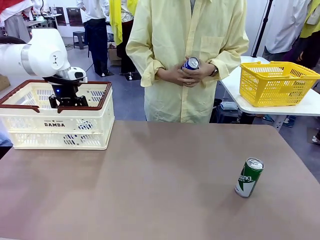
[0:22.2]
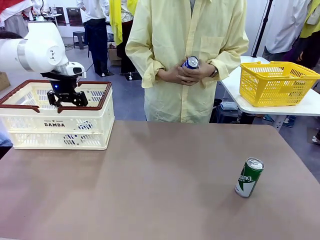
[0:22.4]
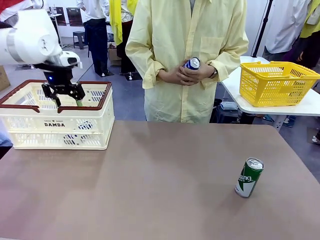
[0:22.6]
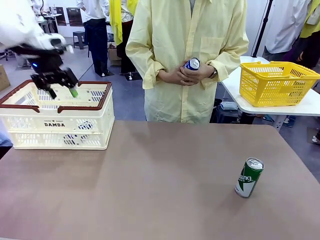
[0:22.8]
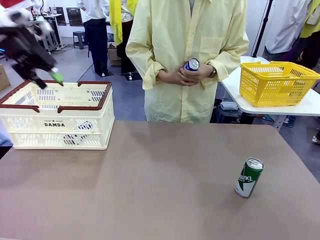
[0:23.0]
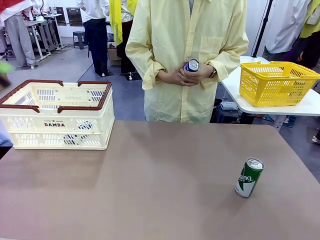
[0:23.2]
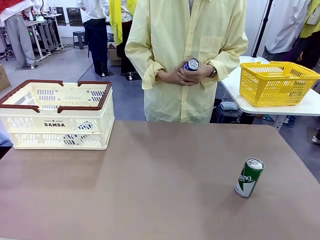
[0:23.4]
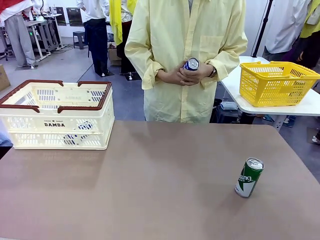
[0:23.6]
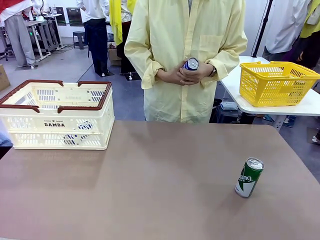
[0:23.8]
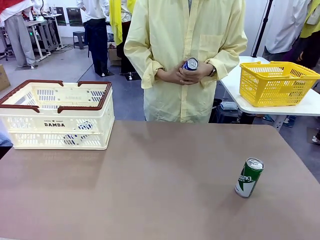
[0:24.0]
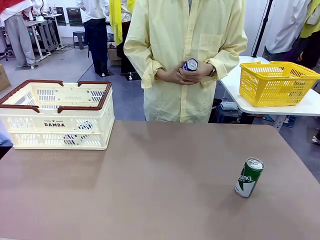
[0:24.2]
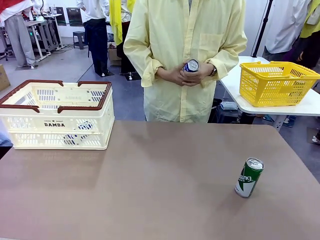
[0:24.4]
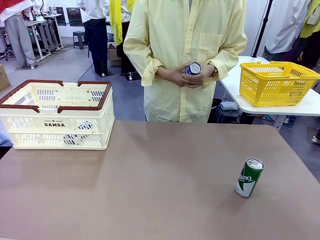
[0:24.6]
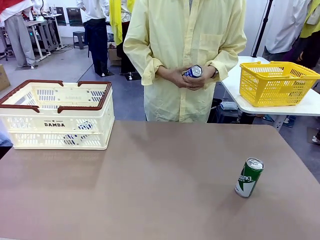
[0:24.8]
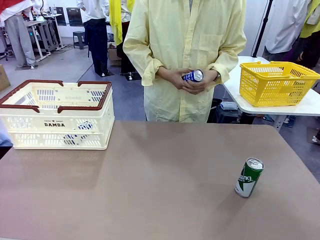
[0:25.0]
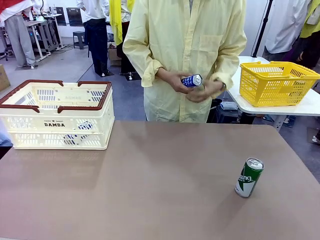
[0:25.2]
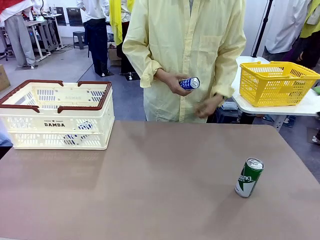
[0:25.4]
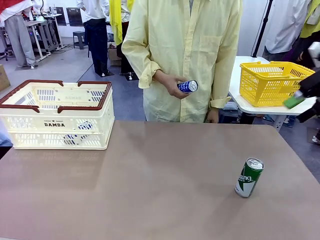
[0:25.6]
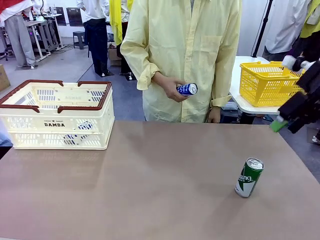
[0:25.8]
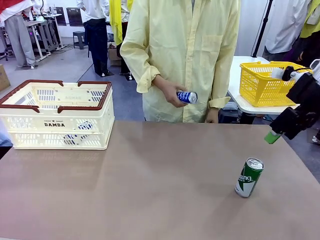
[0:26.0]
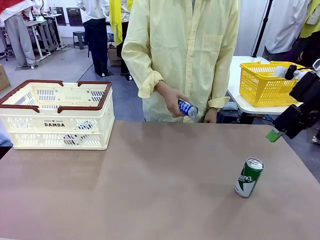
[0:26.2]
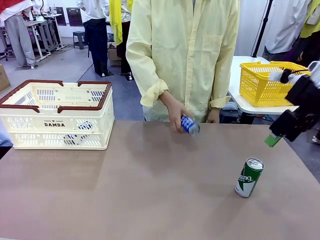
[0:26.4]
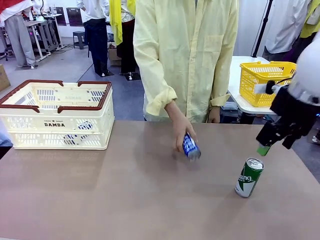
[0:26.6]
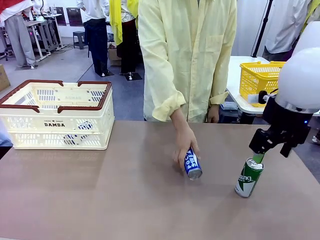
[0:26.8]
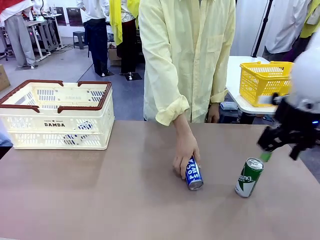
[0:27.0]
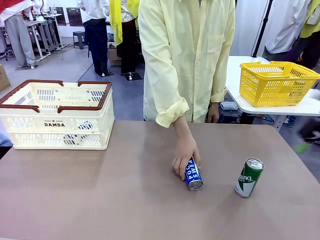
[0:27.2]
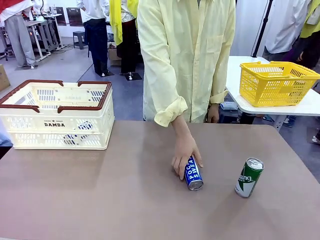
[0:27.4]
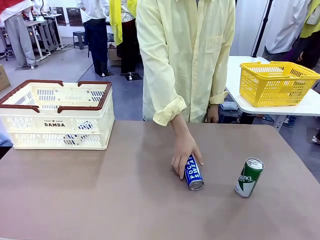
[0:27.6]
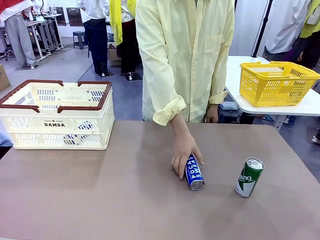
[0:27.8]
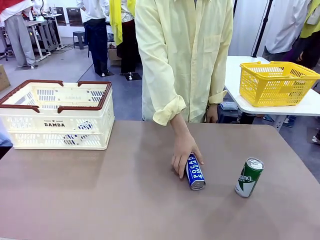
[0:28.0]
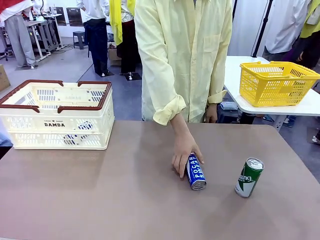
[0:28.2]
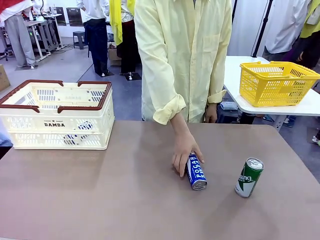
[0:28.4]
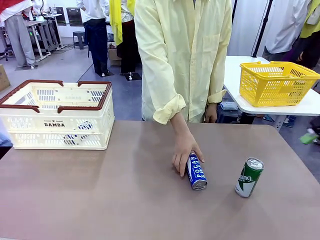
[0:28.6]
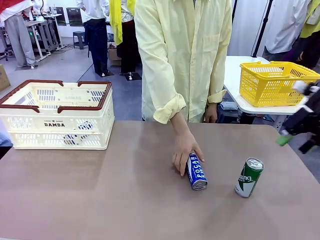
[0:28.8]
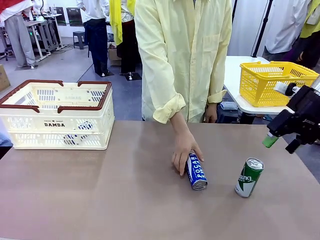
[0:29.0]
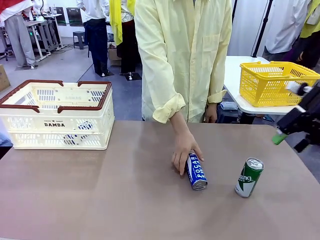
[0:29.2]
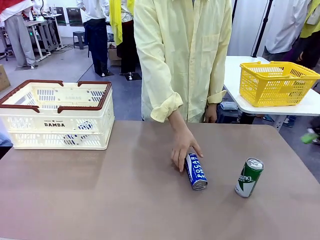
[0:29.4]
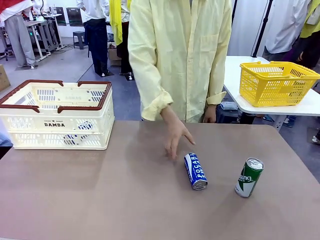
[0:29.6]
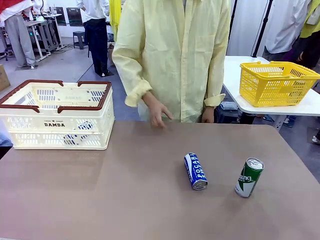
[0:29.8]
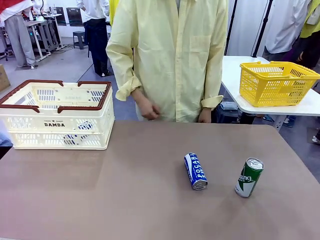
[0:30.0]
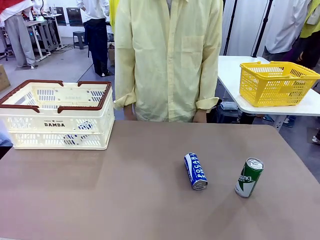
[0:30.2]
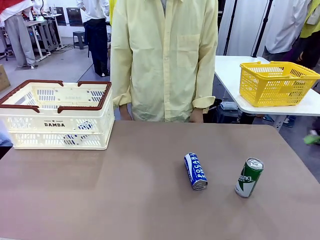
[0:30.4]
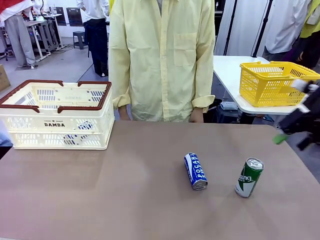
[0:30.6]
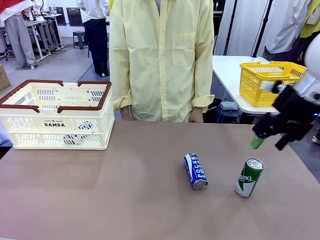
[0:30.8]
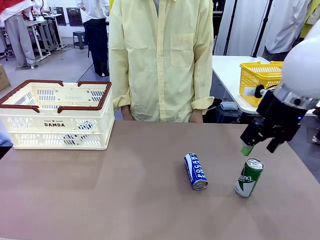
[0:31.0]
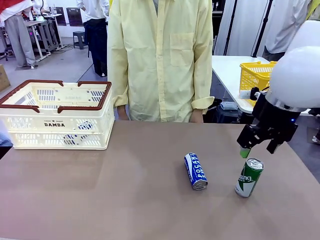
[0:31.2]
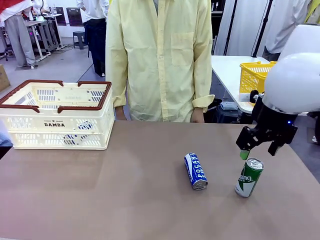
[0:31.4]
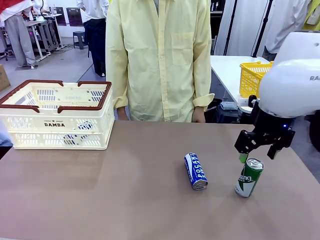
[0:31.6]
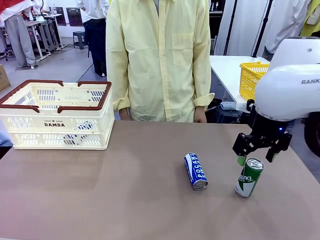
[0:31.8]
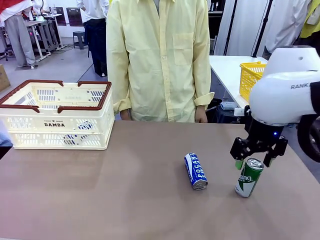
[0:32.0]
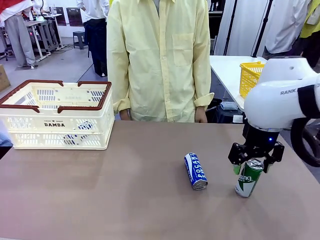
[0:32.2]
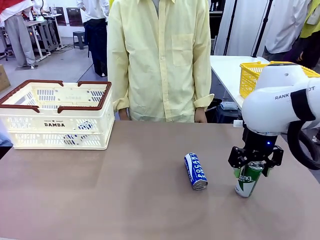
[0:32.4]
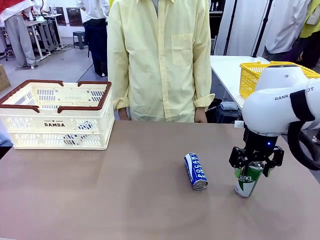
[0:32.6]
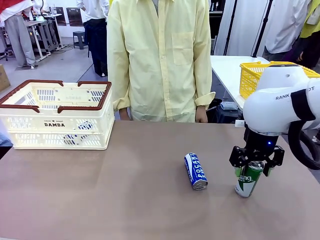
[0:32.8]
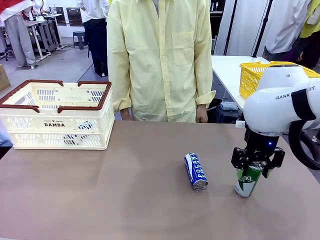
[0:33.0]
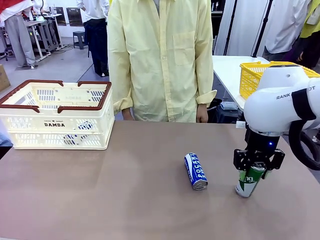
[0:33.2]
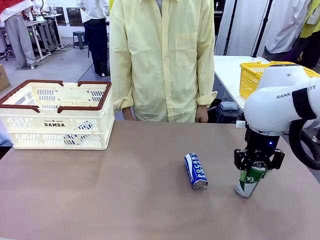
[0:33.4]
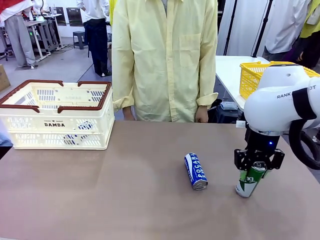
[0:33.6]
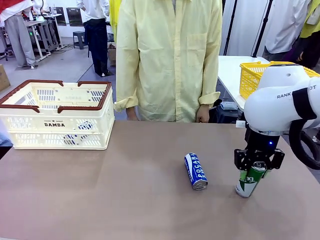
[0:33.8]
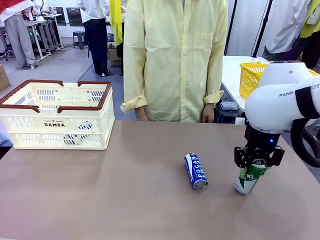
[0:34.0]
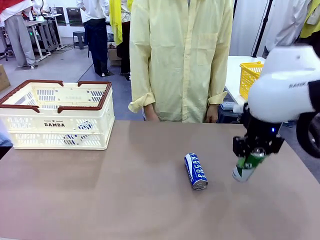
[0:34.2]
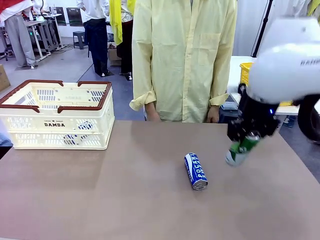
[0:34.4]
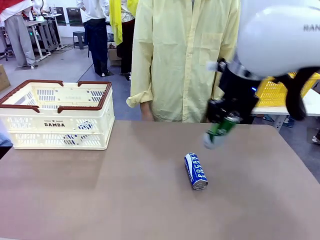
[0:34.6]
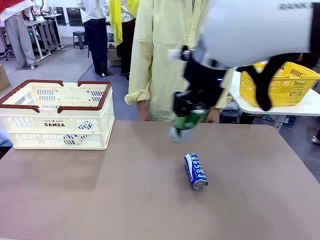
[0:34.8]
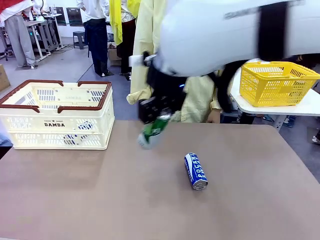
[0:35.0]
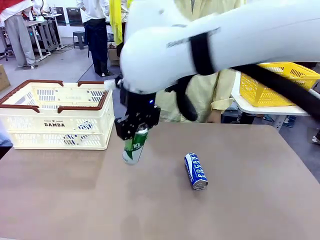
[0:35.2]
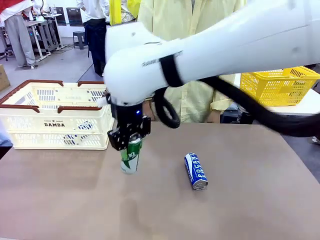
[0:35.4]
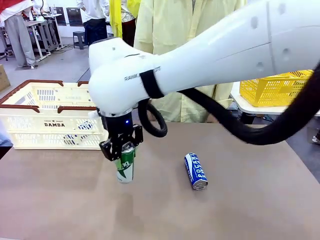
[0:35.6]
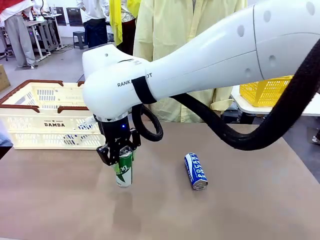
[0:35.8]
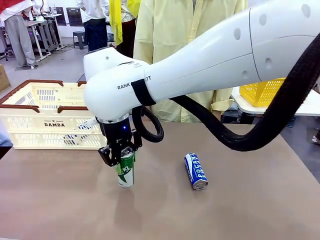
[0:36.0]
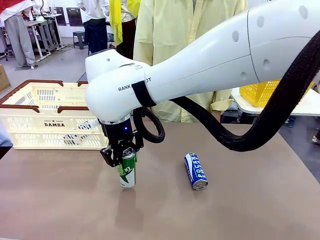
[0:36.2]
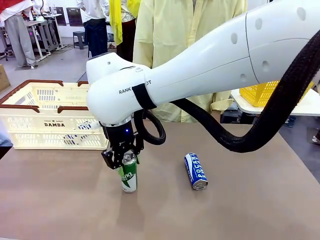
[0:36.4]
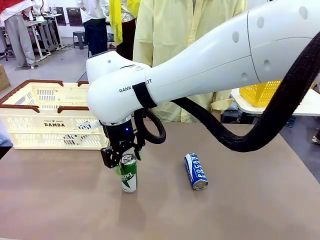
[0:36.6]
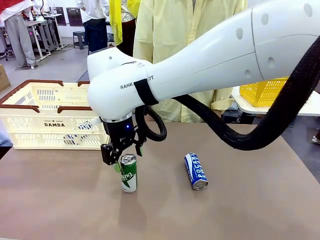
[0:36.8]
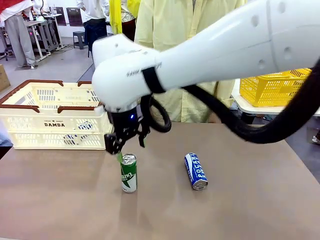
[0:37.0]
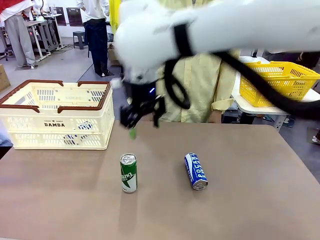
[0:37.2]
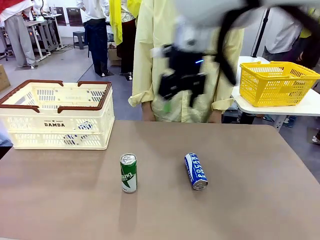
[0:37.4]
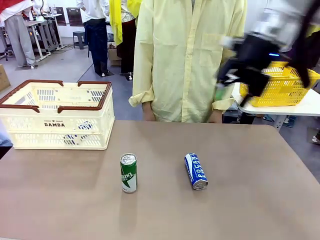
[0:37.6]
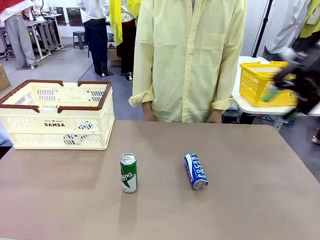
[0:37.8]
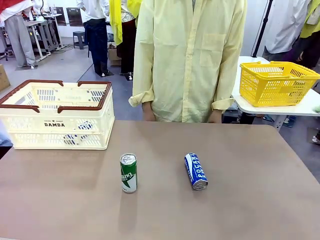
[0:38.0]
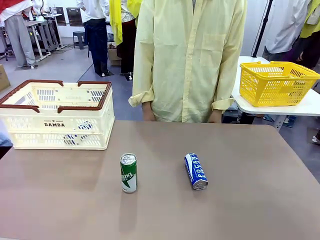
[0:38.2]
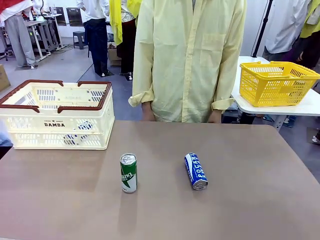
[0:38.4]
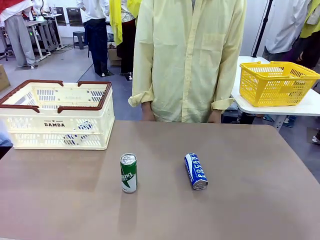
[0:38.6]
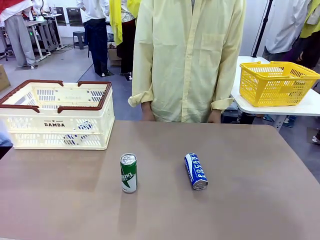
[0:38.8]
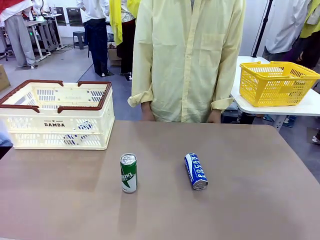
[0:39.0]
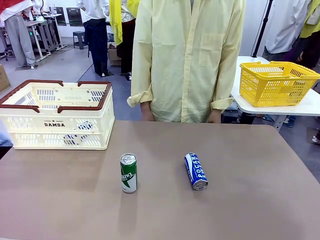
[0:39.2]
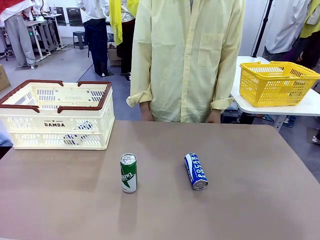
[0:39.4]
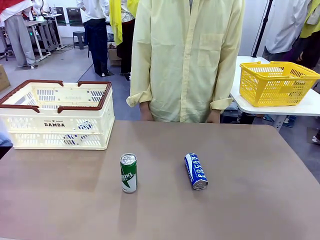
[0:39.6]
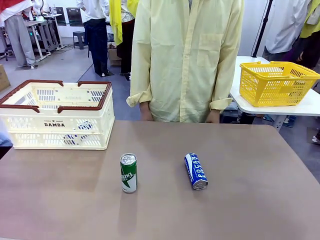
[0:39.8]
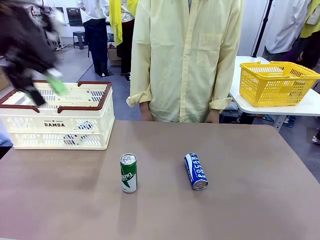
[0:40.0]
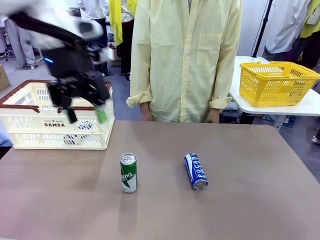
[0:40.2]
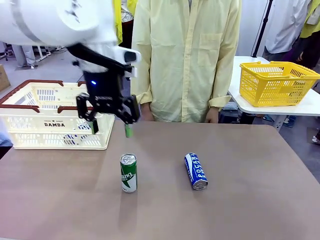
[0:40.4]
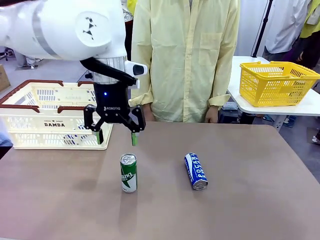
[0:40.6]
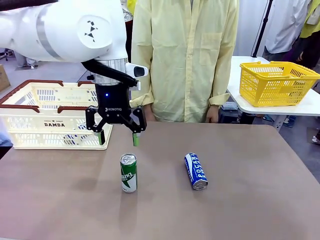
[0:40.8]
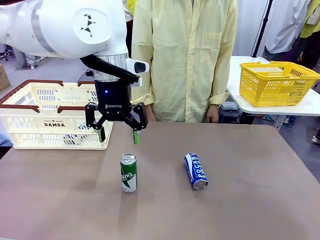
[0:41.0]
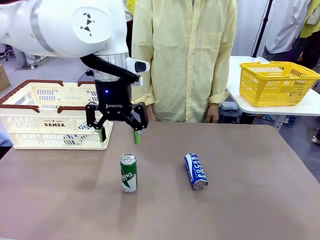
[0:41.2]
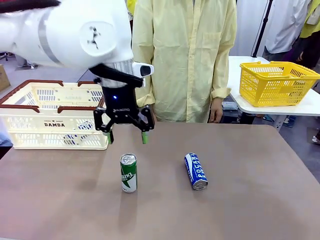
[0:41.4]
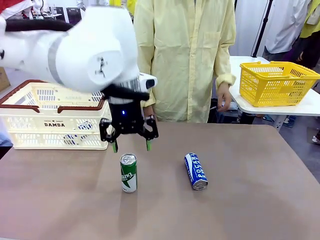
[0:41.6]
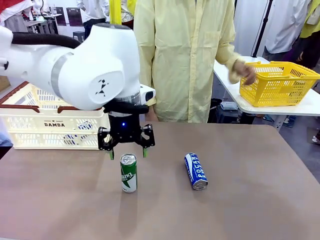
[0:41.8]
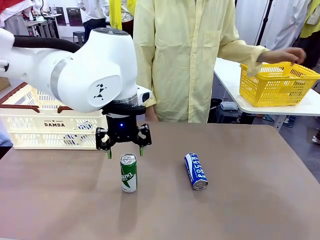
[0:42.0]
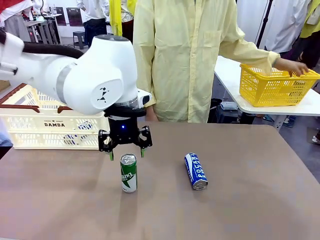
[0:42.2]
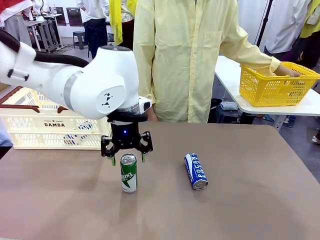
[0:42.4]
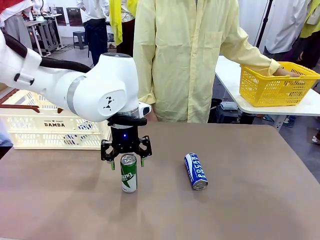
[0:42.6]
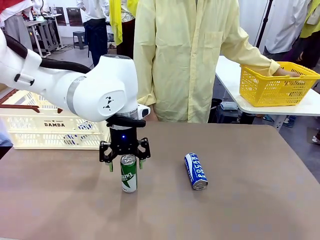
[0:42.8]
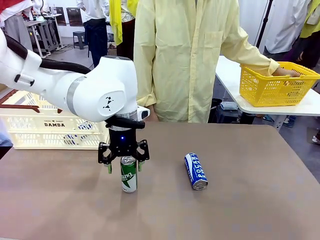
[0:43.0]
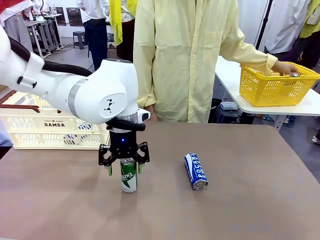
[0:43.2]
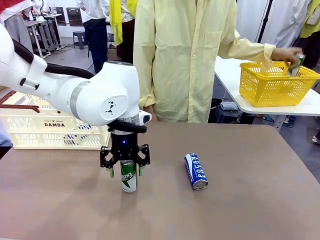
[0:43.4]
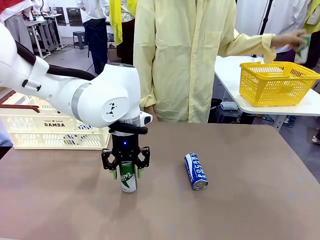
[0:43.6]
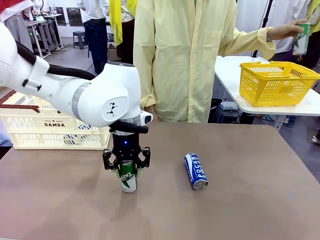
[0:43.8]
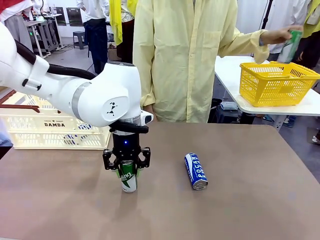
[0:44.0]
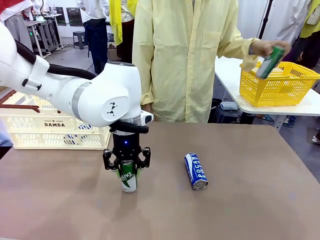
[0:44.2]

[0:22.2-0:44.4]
Task: Place the drinks into the Shopping basket.
Robot: Pick up one drink and place it into the Shopping basket.
